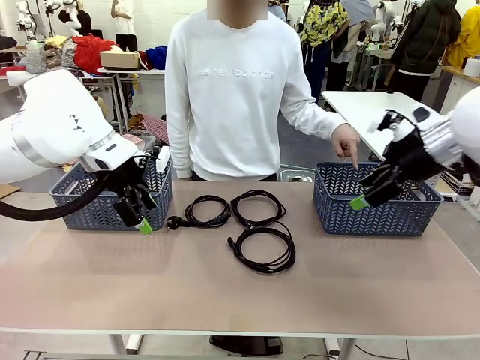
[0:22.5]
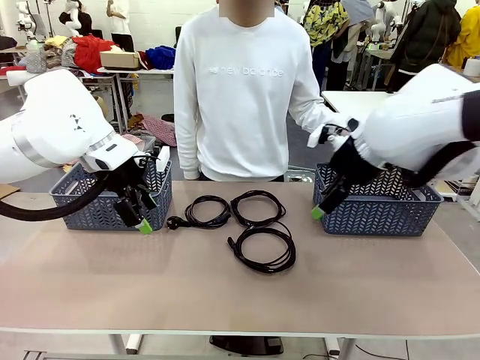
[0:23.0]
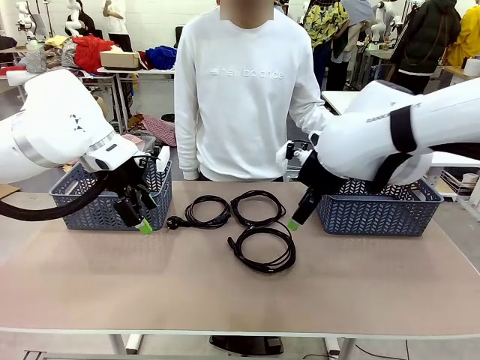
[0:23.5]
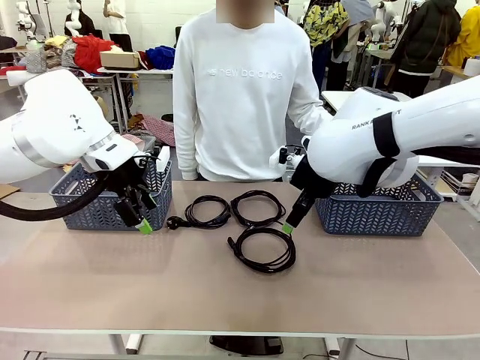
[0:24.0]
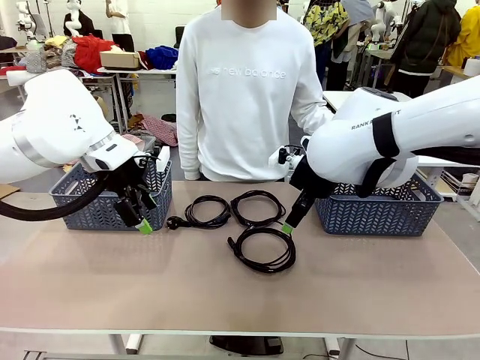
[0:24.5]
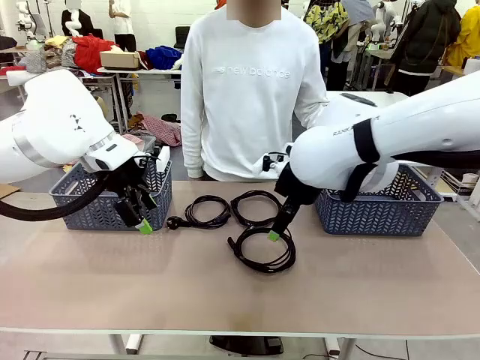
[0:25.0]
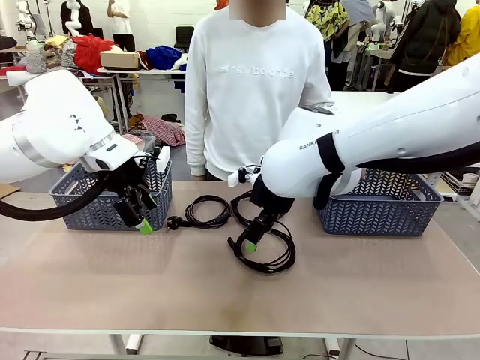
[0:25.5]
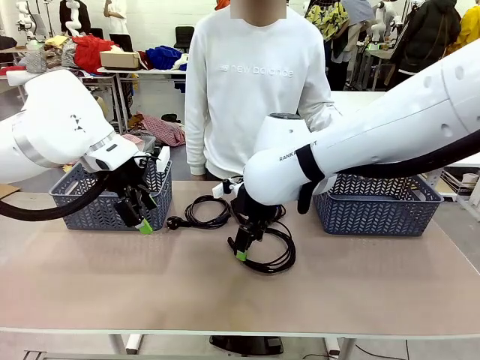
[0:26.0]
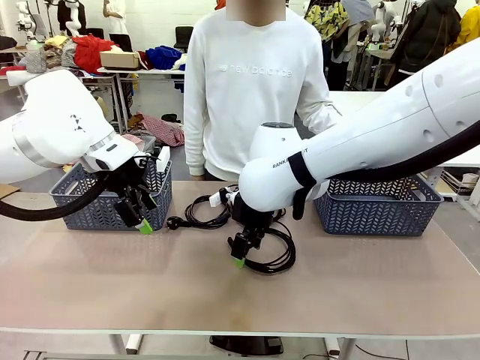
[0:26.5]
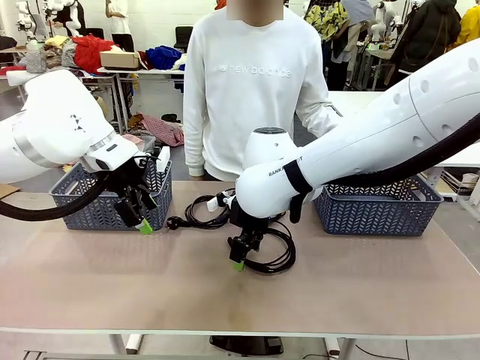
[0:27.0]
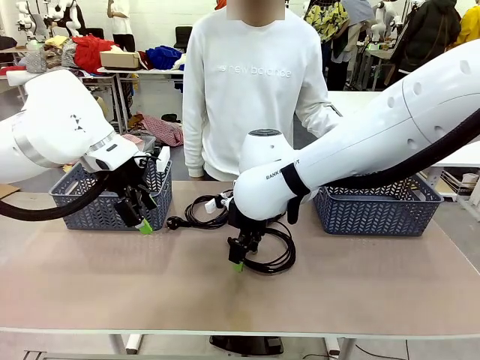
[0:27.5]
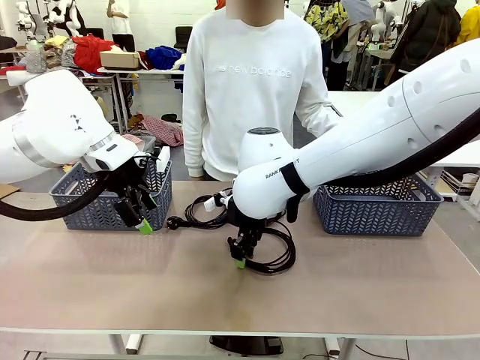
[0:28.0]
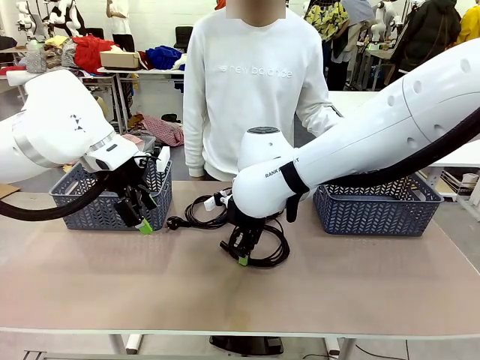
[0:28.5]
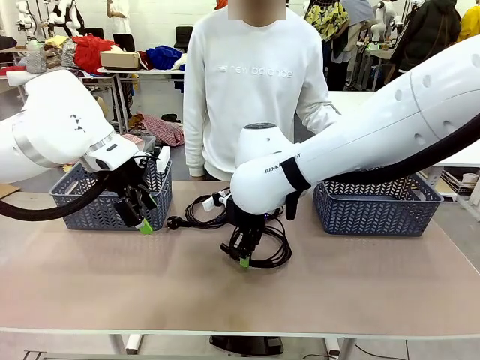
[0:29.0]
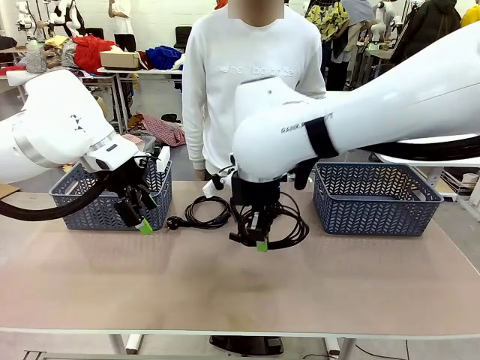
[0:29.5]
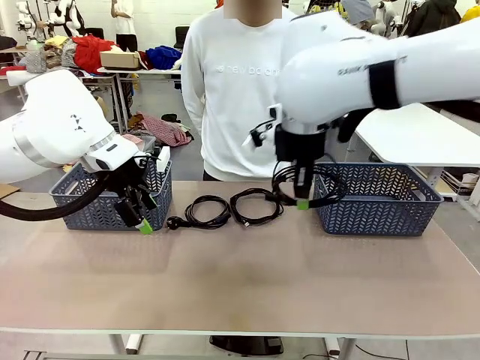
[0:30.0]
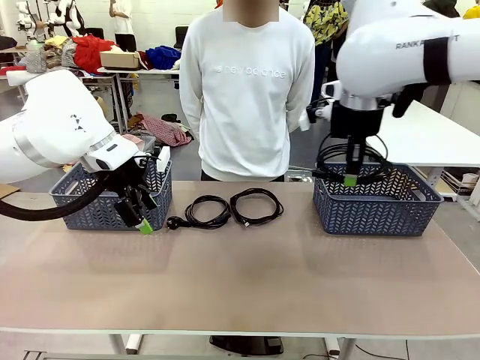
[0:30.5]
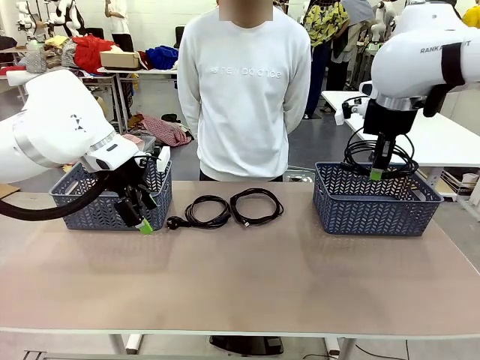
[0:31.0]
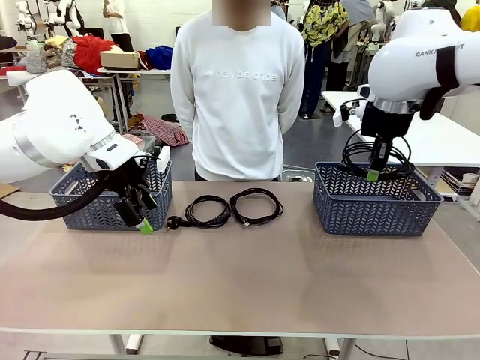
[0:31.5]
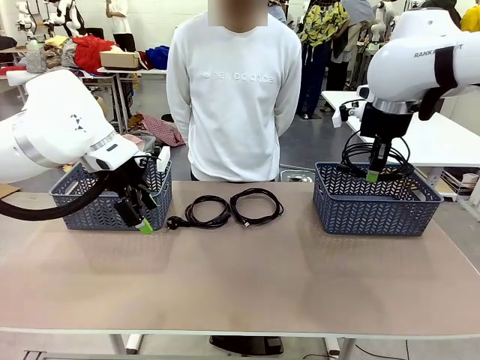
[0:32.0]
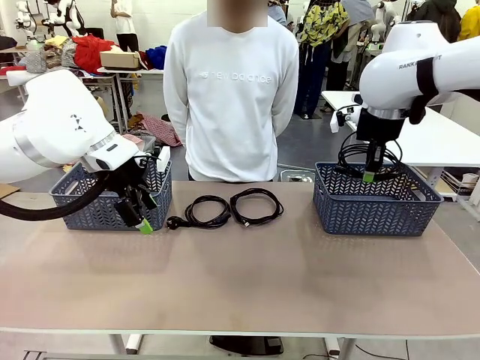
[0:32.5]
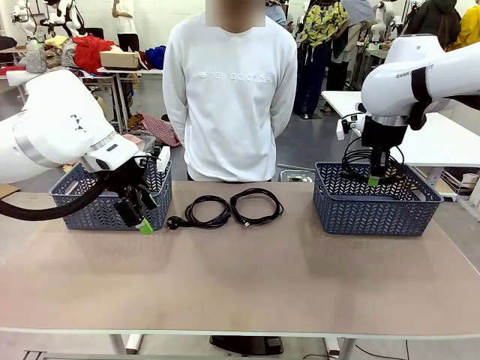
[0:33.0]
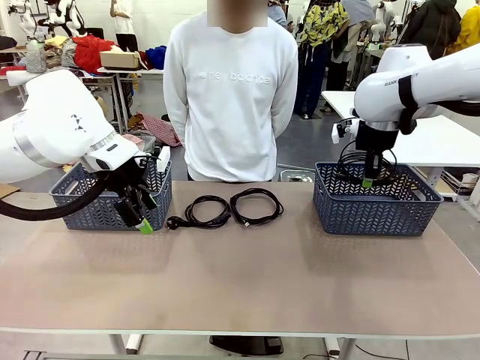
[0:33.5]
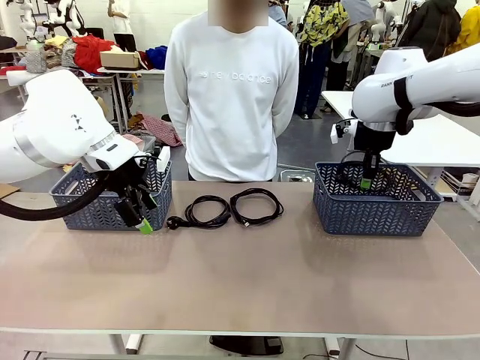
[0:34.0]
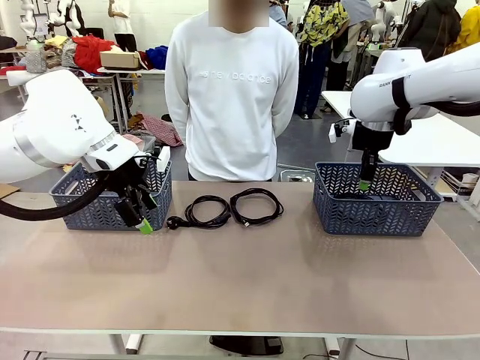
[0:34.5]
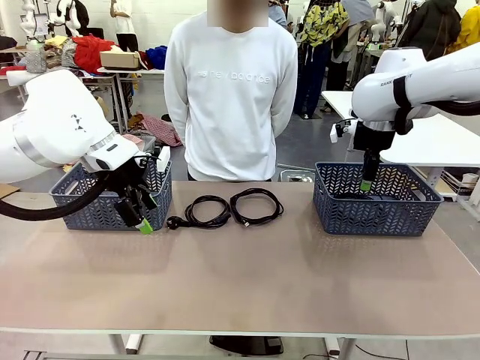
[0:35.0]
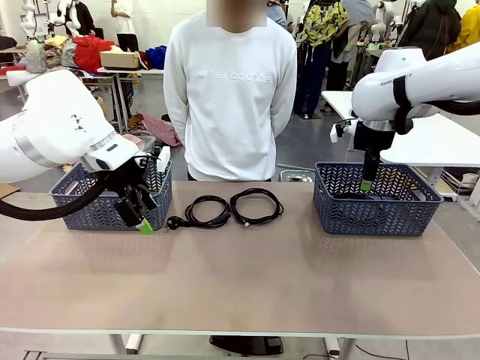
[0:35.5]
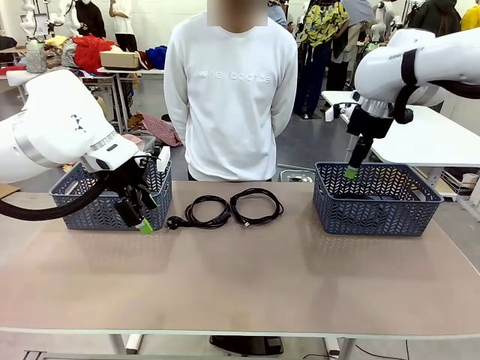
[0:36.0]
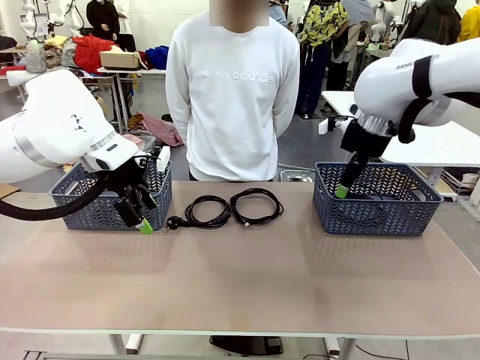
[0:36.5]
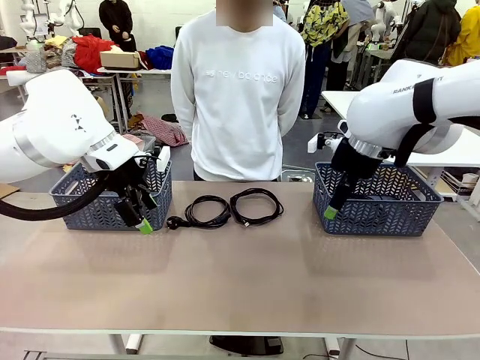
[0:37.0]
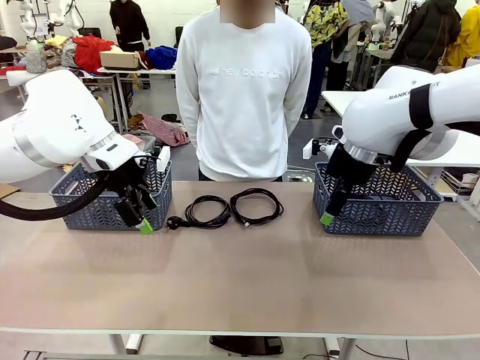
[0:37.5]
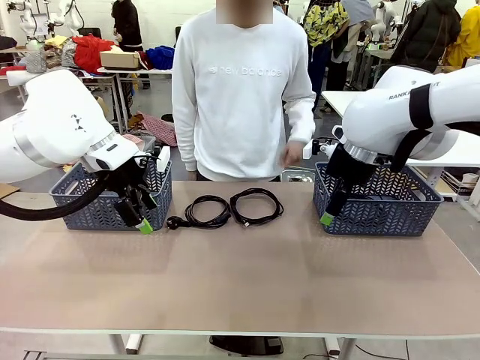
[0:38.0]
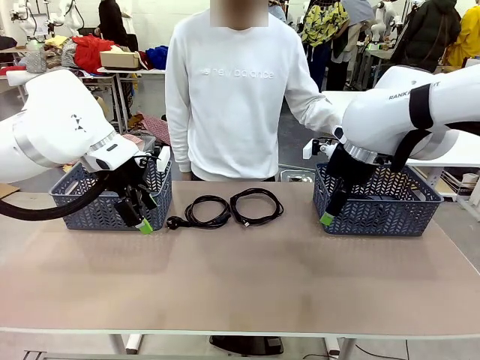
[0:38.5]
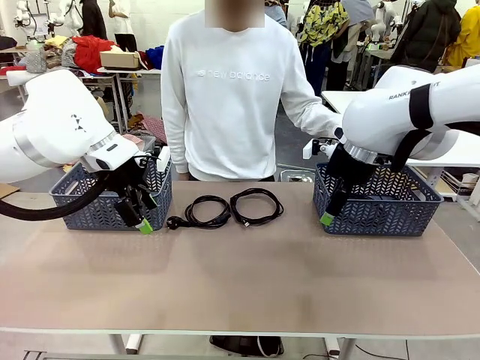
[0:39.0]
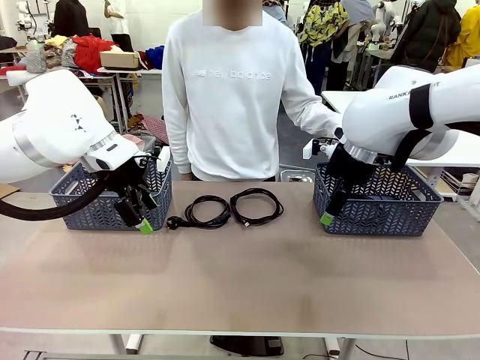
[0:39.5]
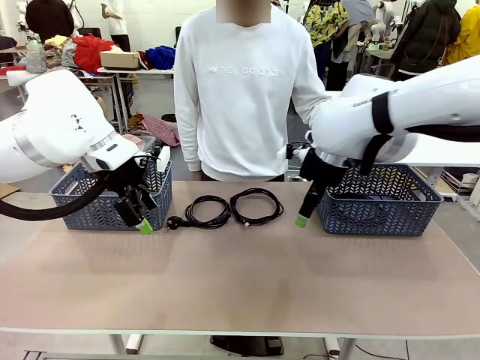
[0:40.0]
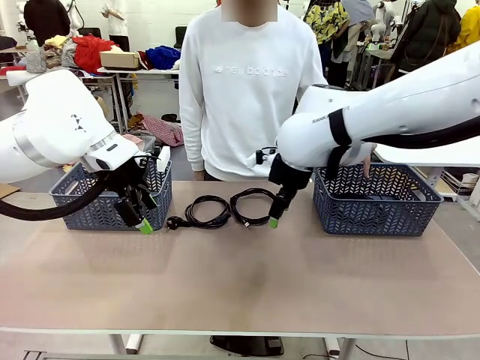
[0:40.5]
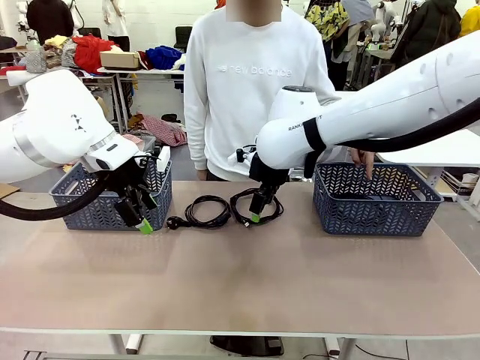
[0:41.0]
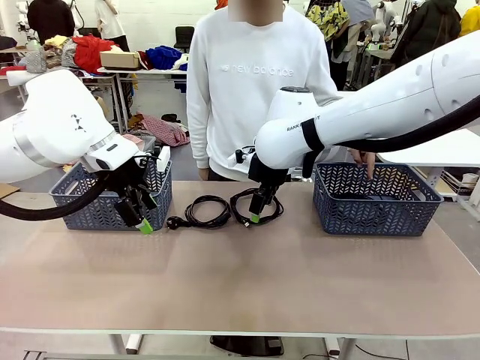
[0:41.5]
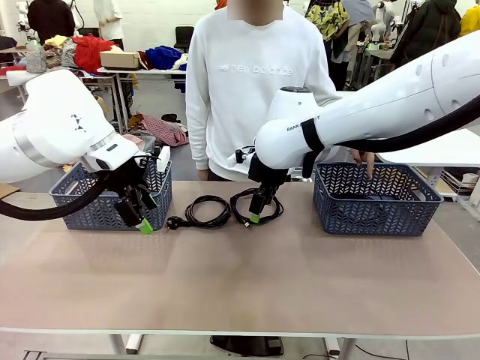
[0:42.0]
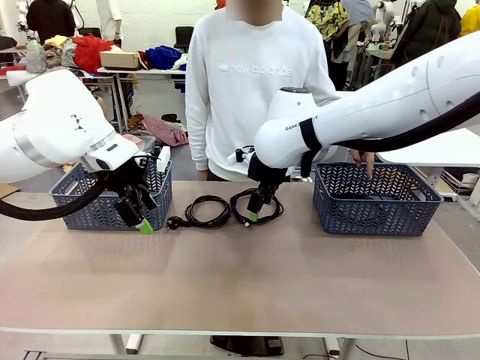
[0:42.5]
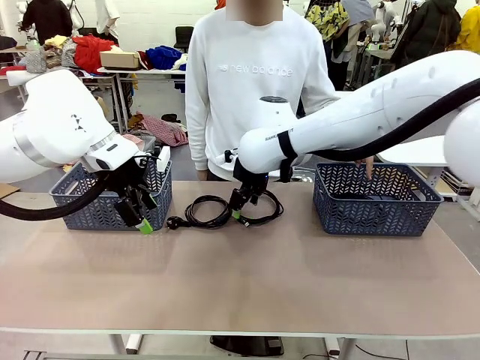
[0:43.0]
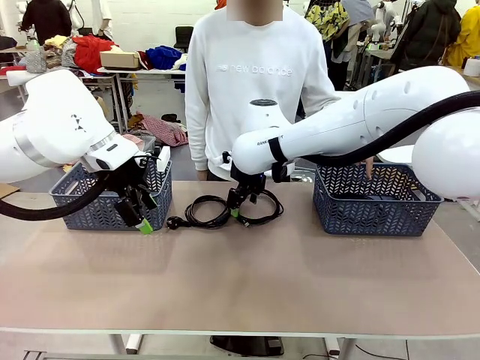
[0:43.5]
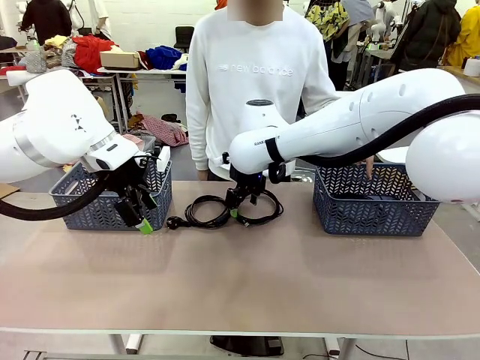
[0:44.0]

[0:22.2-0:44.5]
Task: Organize the cables according to human instructions.
Robot: Pick up a bundle of cables and place it in the basket indicated by the human.
